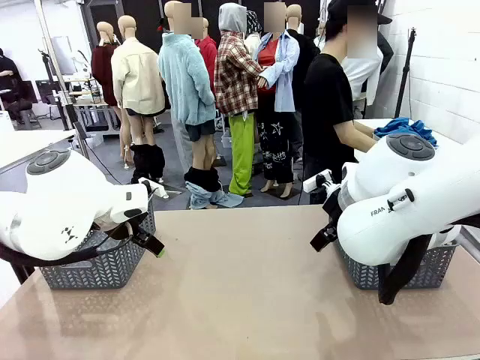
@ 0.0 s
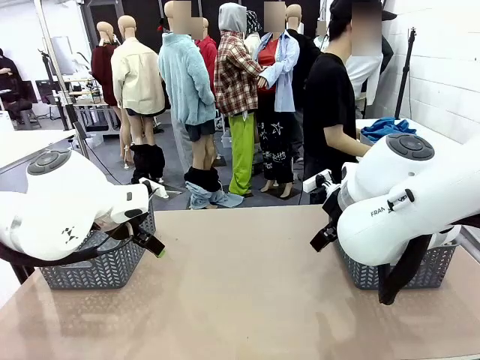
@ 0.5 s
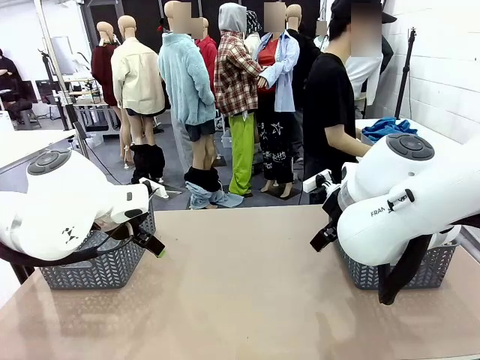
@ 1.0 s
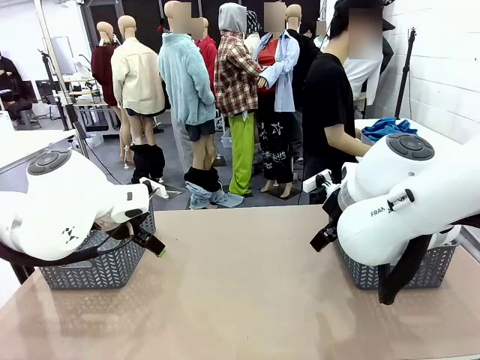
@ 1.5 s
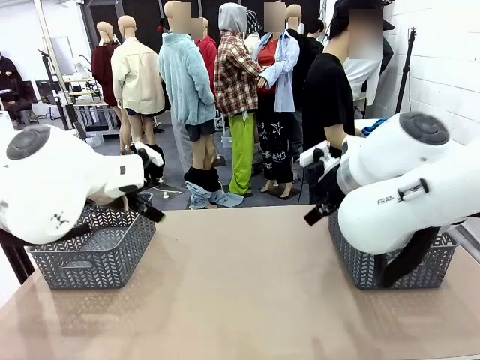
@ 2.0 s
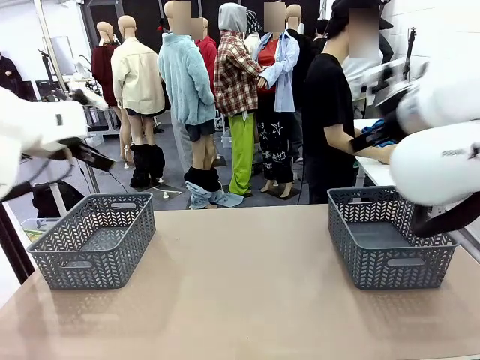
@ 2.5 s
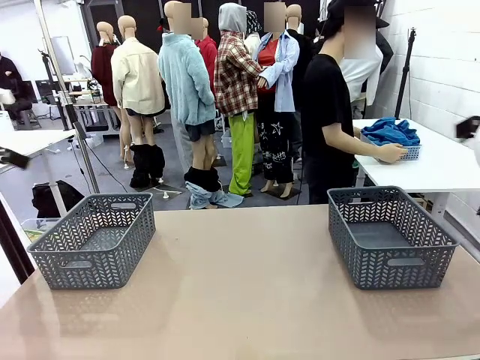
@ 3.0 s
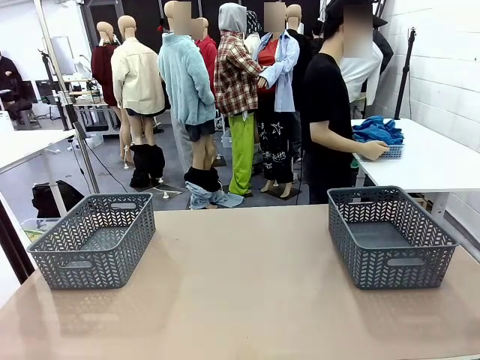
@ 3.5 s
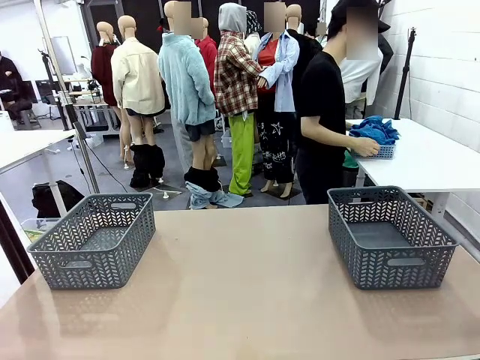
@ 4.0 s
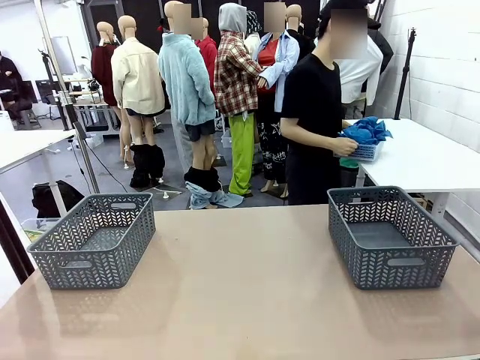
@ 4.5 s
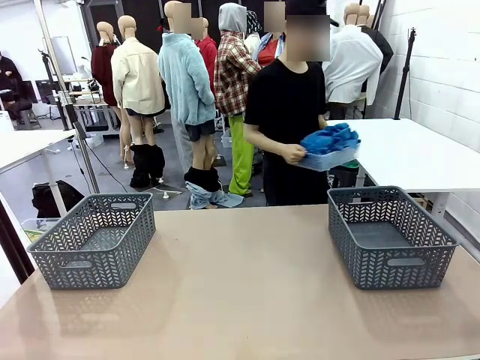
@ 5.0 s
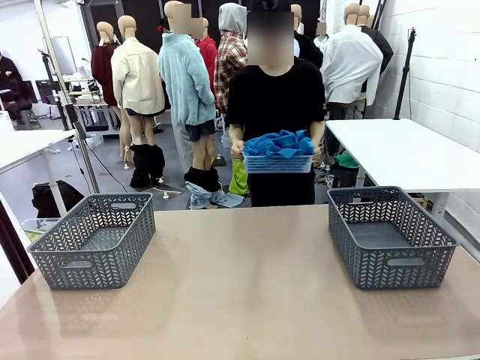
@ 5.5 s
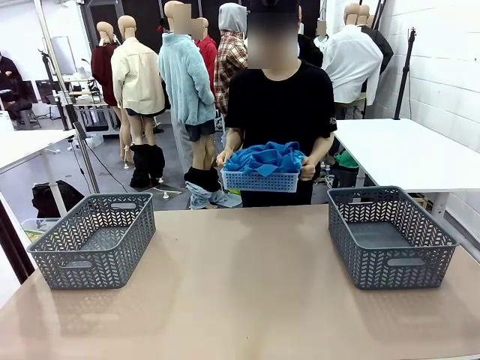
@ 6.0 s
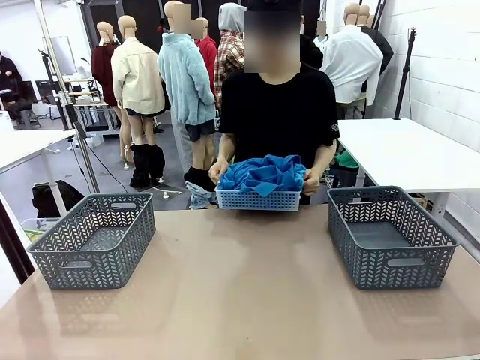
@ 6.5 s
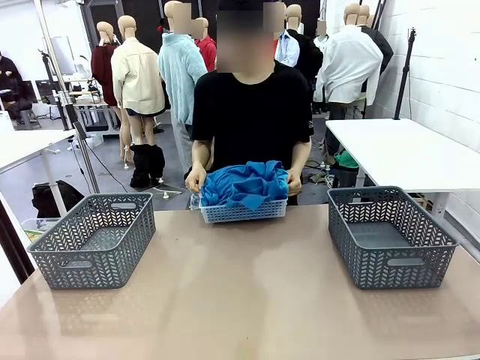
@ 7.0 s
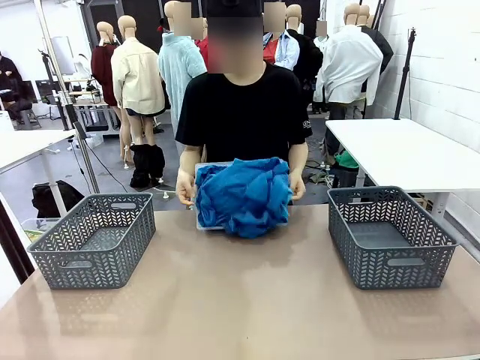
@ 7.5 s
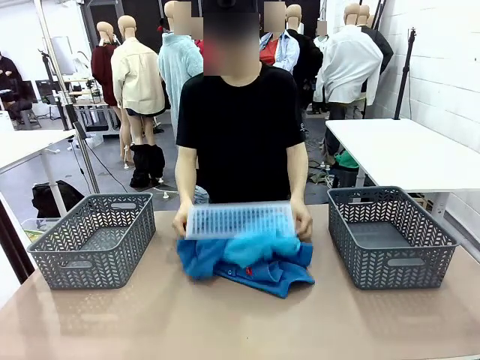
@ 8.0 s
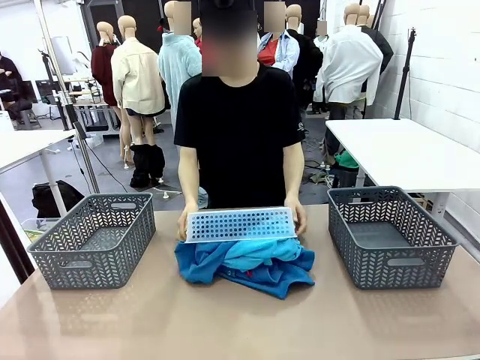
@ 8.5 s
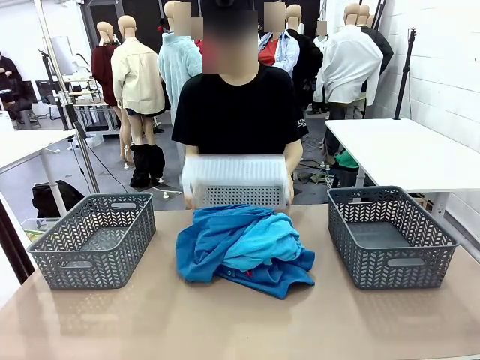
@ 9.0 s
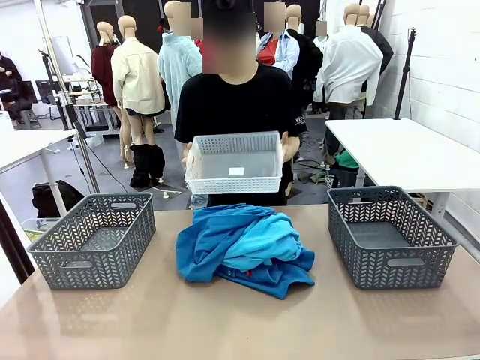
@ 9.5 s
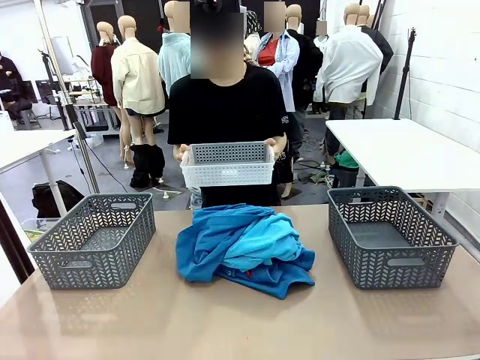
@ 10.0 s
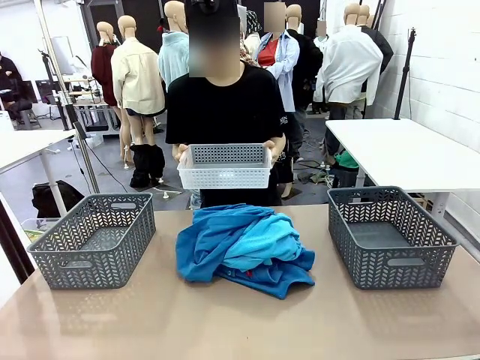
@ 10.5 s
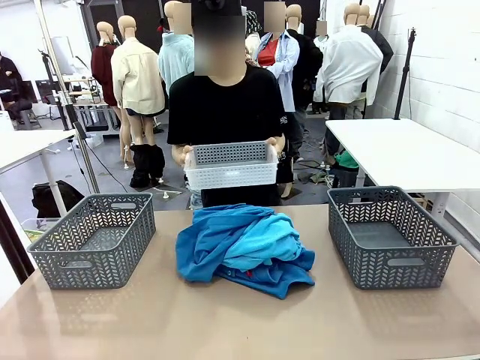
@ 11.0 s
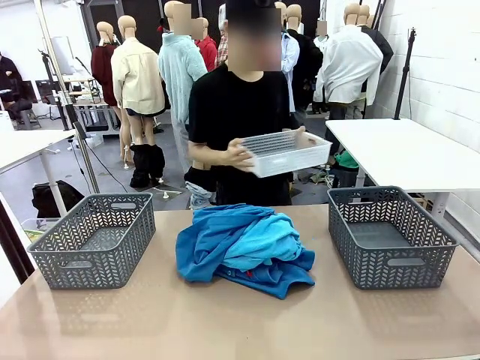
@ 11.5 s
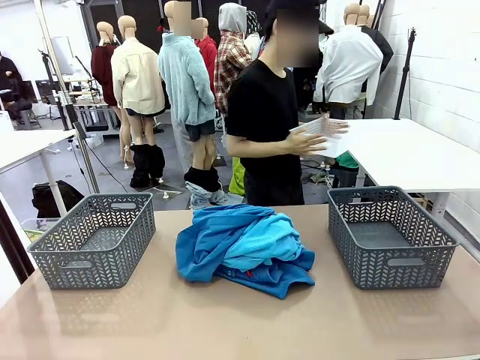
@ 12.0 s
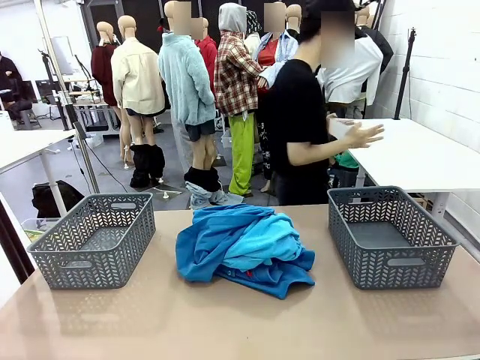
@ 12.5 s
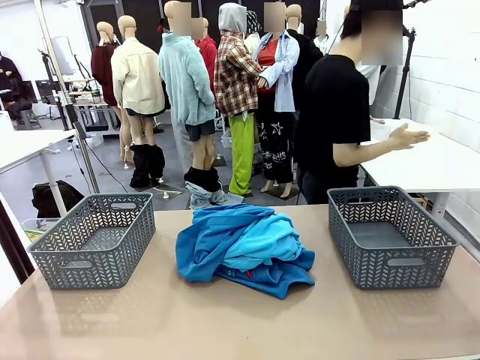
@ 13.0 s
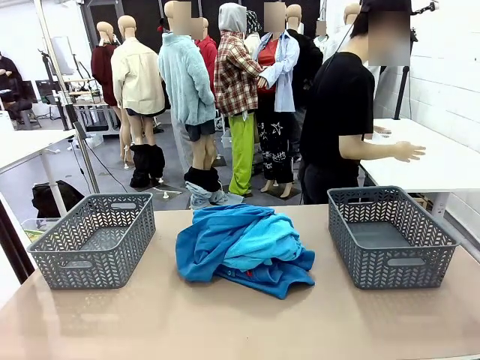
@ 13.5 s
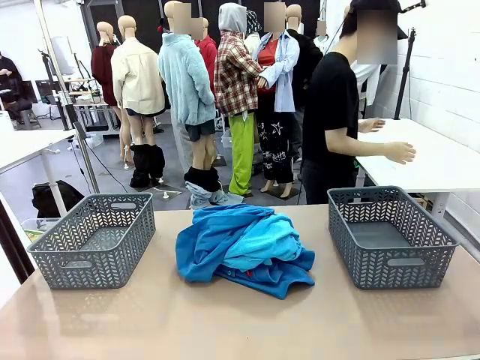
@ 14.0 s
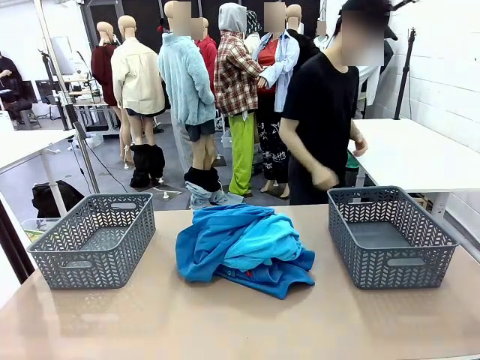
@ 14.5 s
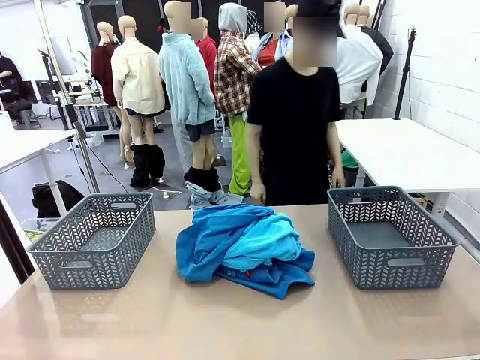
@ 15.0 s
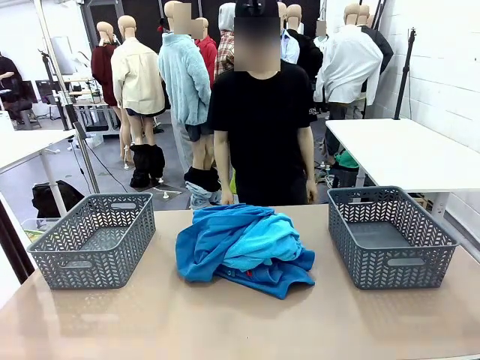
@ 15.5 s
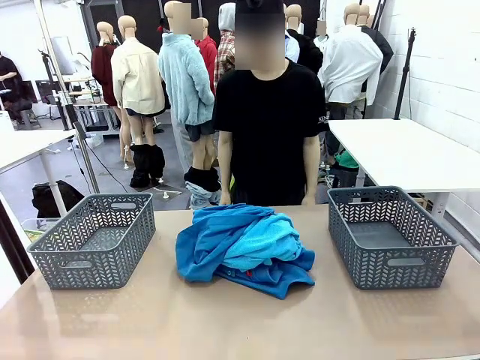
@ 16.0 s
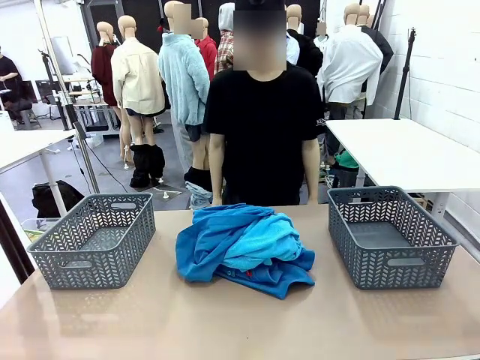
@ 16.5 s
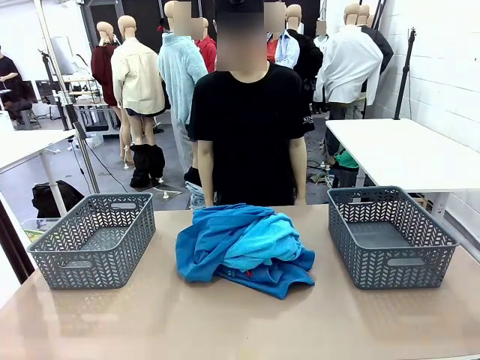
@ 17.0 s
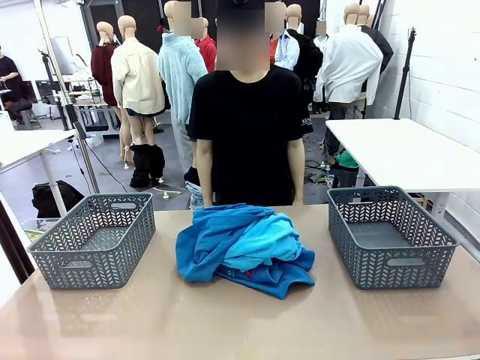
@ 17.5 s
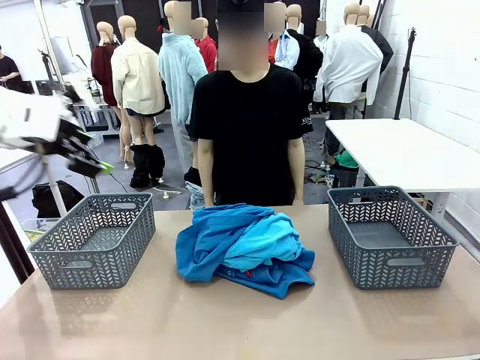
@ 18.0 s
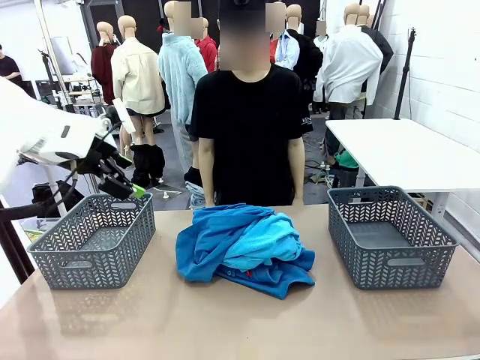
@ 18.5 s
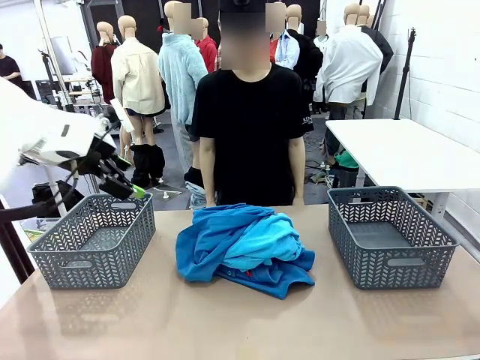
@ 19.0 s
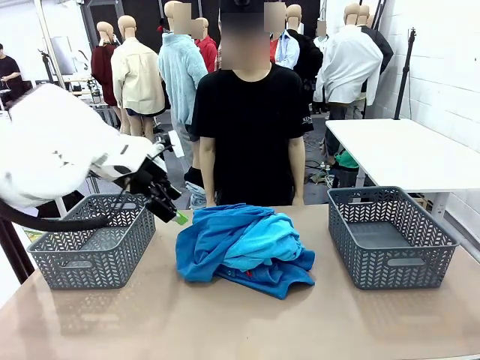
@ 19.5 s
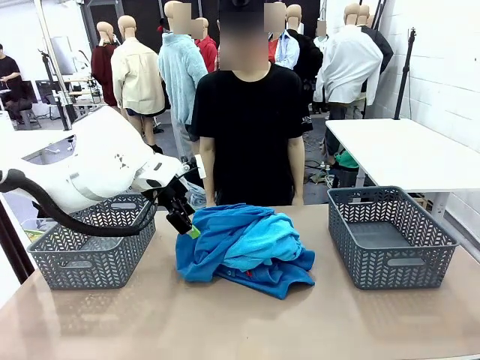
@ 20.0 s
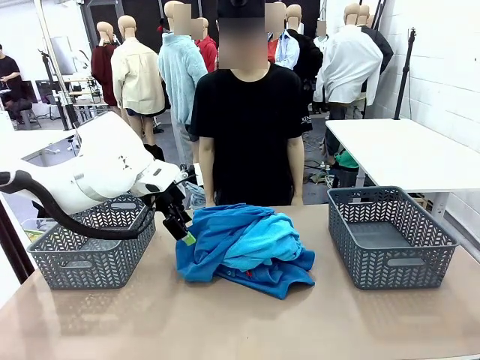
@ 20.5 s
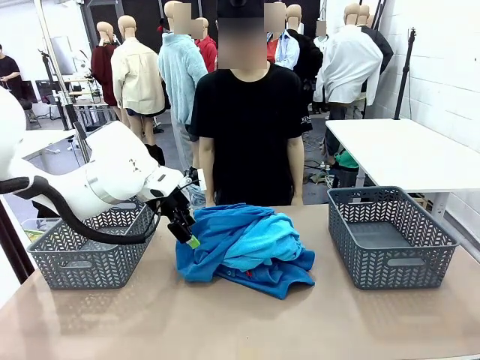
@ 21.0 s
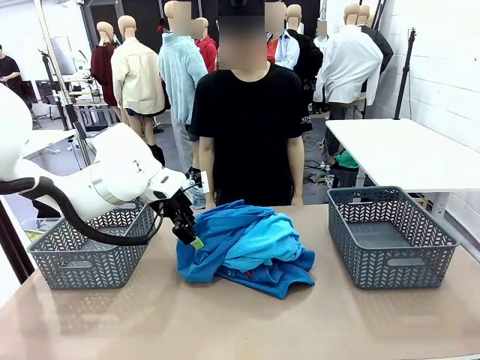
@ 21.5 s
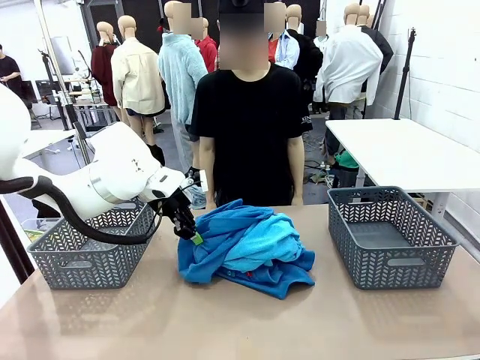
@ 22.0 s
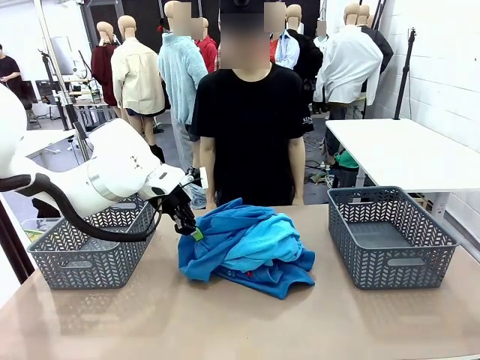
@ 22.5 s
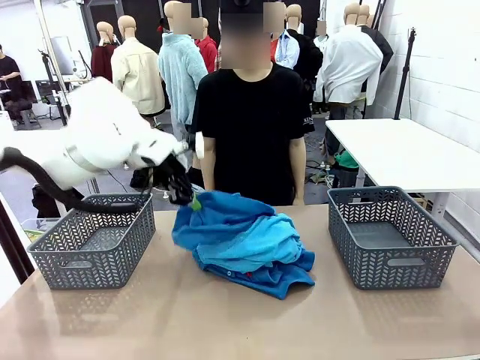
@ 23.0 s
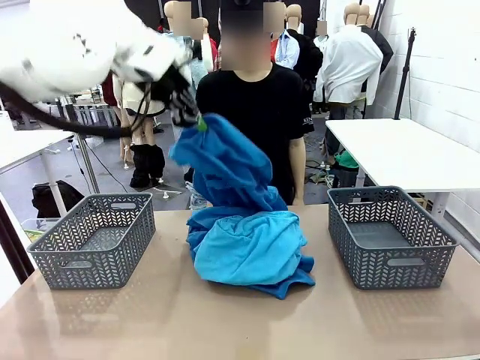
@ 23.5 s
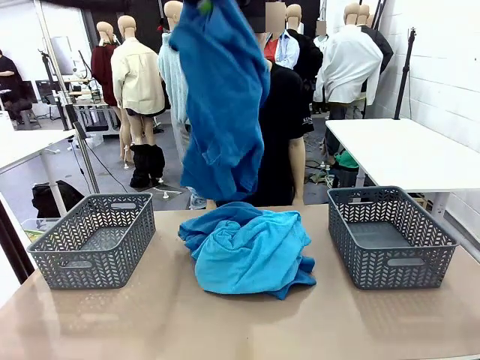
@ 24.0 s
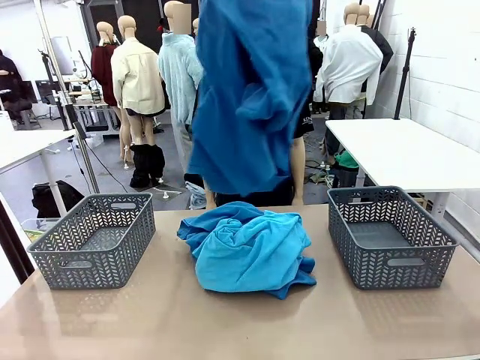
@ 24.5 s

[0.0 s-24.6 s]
Task: Sort the tops and bottoms.
Robot: Lift clothes from the center of the table with your left hand.
Person: Pour the clothes from the basket onto the center of the robot table.
